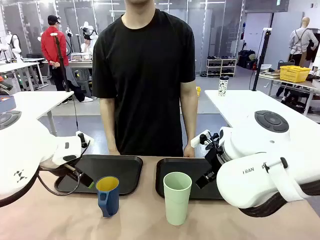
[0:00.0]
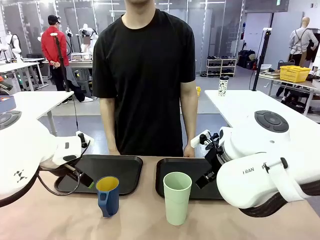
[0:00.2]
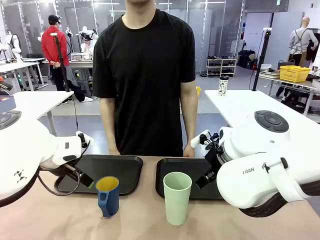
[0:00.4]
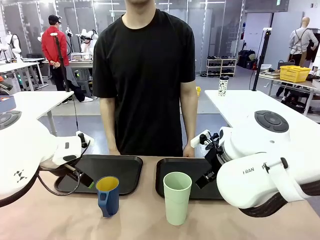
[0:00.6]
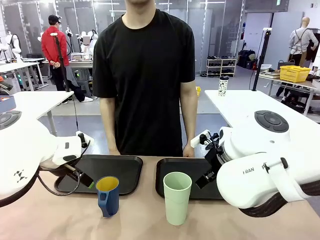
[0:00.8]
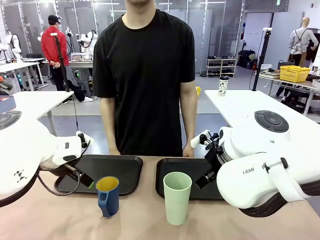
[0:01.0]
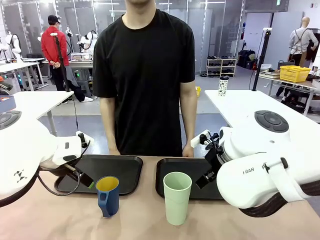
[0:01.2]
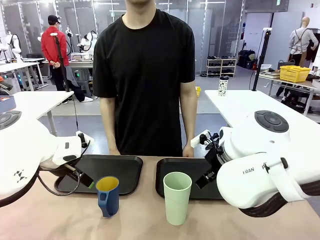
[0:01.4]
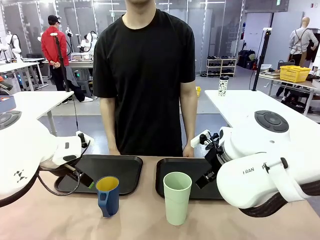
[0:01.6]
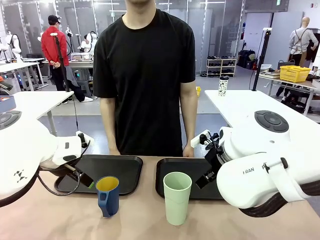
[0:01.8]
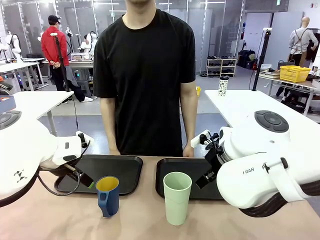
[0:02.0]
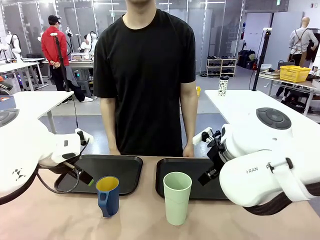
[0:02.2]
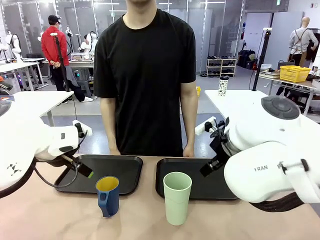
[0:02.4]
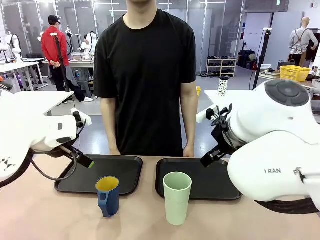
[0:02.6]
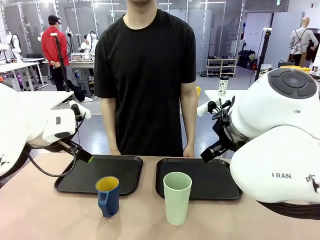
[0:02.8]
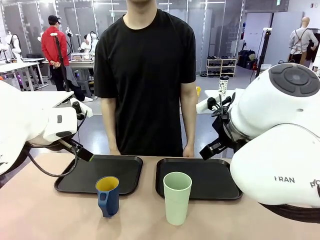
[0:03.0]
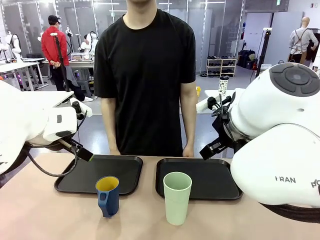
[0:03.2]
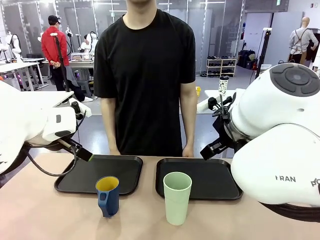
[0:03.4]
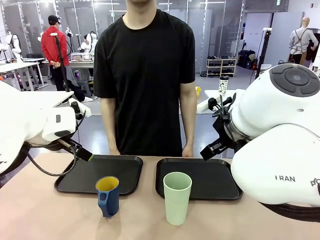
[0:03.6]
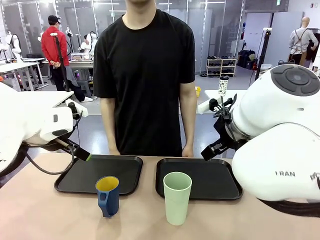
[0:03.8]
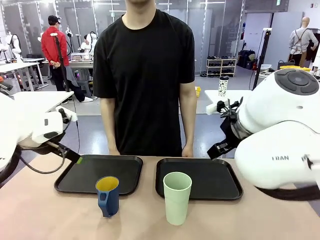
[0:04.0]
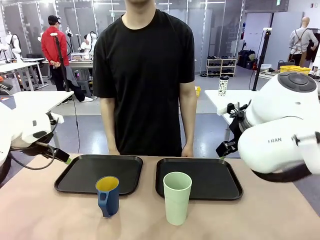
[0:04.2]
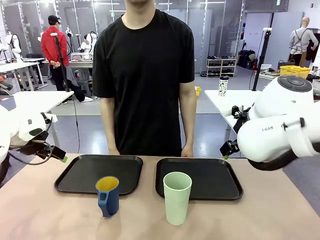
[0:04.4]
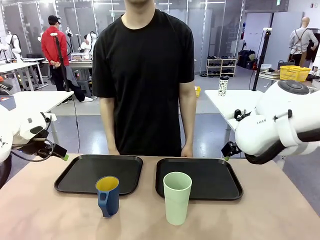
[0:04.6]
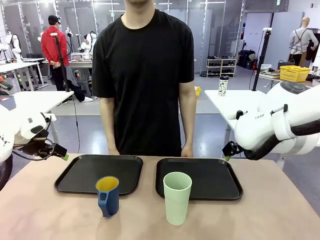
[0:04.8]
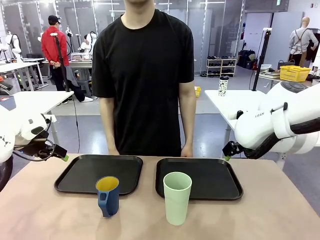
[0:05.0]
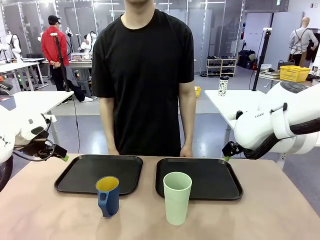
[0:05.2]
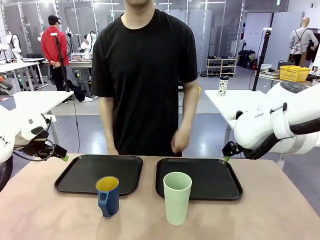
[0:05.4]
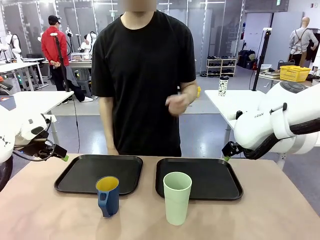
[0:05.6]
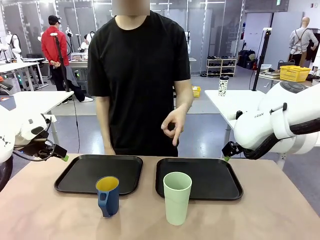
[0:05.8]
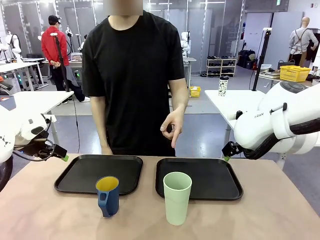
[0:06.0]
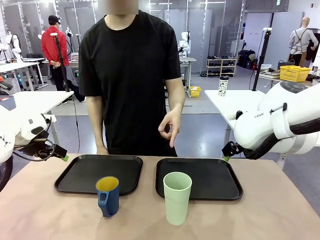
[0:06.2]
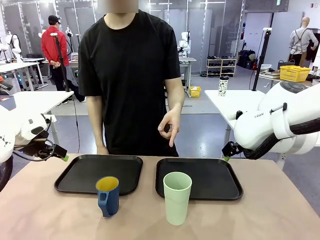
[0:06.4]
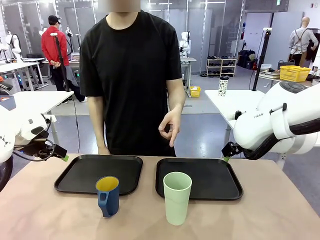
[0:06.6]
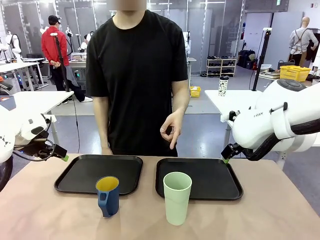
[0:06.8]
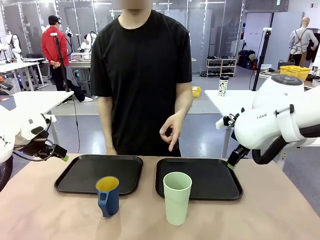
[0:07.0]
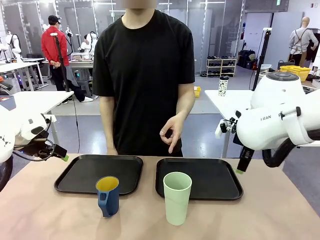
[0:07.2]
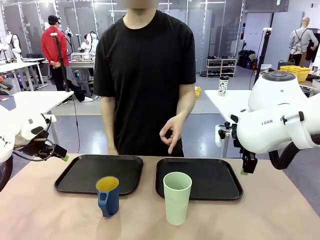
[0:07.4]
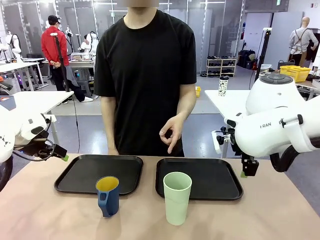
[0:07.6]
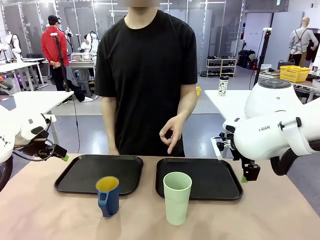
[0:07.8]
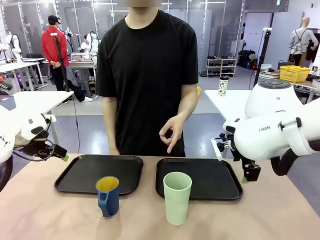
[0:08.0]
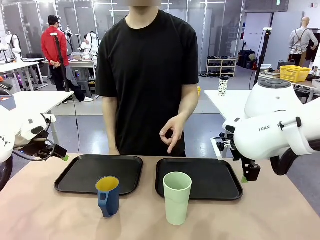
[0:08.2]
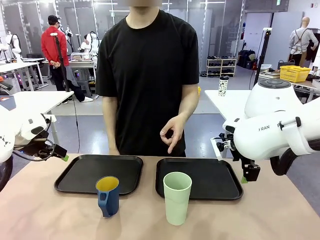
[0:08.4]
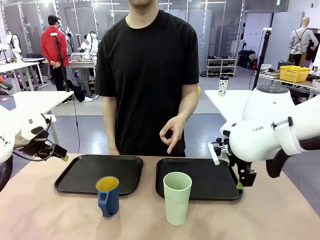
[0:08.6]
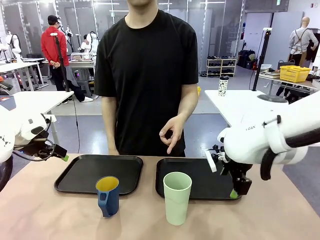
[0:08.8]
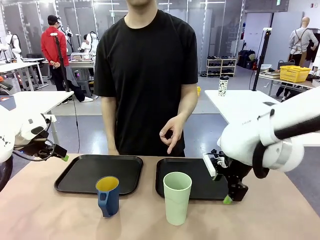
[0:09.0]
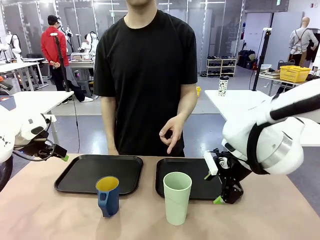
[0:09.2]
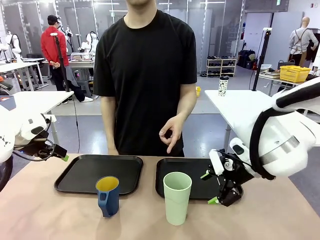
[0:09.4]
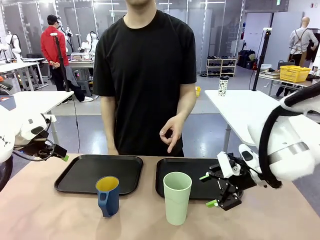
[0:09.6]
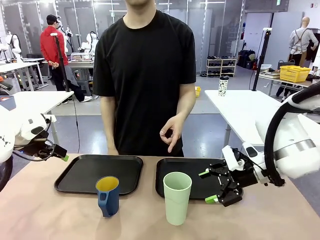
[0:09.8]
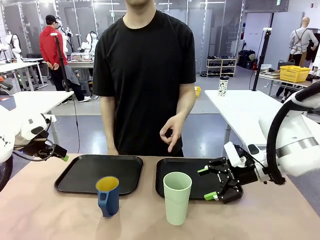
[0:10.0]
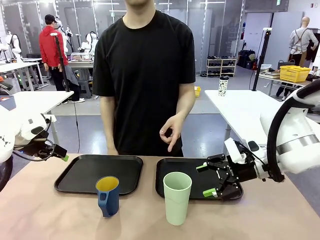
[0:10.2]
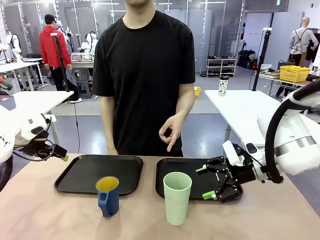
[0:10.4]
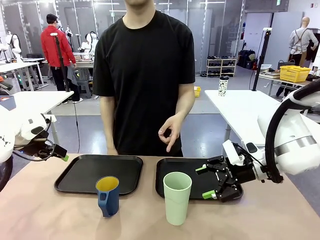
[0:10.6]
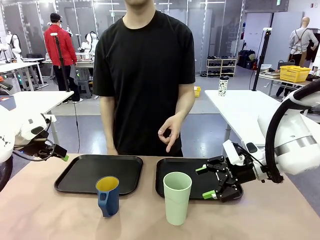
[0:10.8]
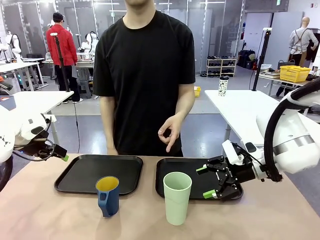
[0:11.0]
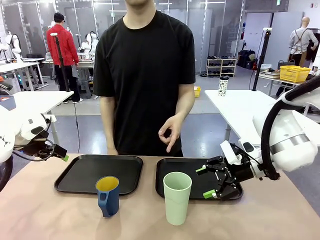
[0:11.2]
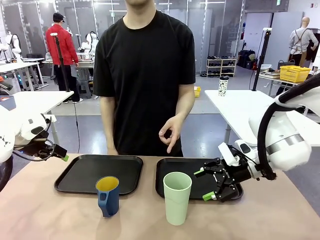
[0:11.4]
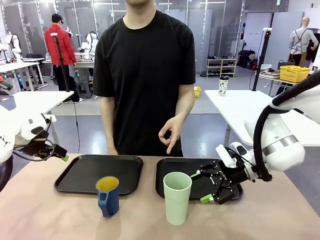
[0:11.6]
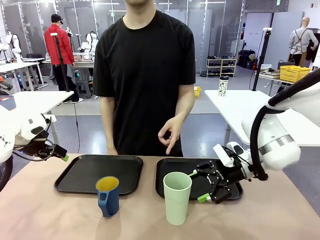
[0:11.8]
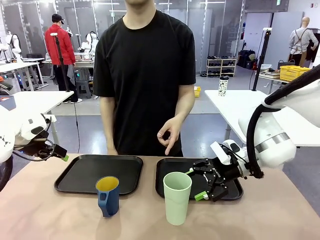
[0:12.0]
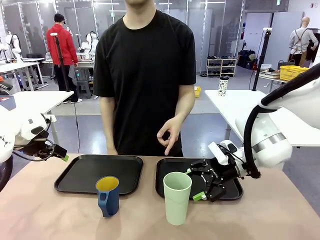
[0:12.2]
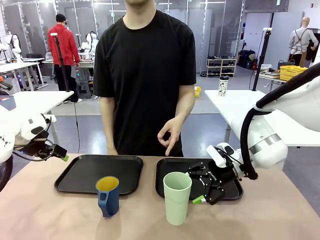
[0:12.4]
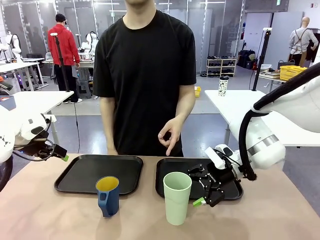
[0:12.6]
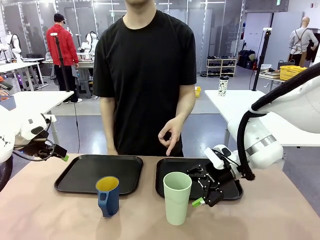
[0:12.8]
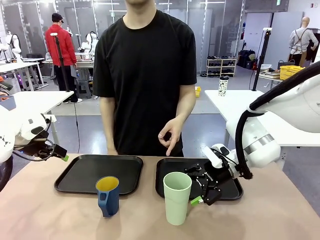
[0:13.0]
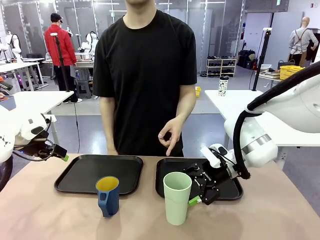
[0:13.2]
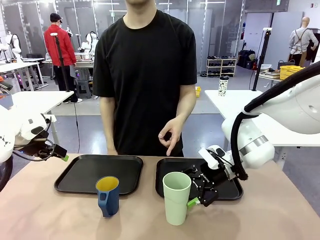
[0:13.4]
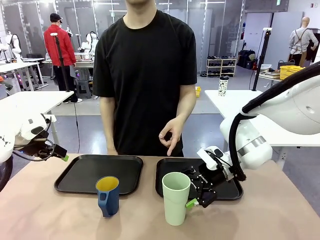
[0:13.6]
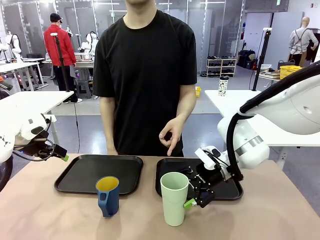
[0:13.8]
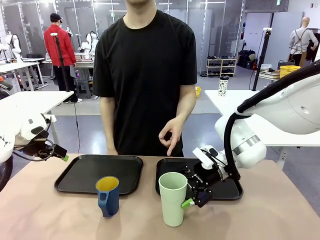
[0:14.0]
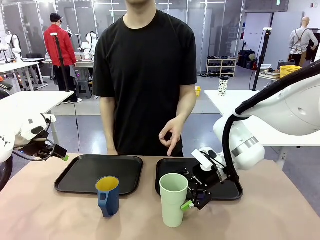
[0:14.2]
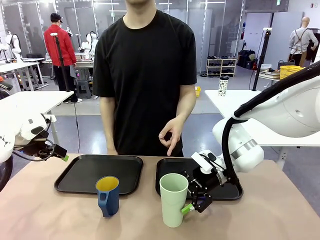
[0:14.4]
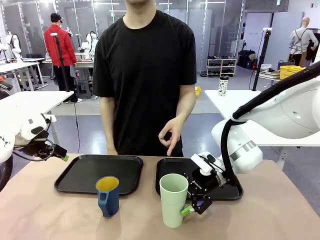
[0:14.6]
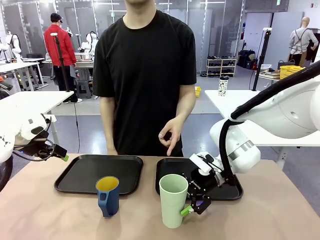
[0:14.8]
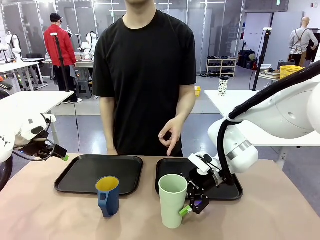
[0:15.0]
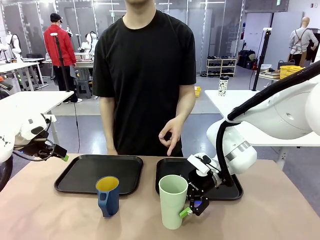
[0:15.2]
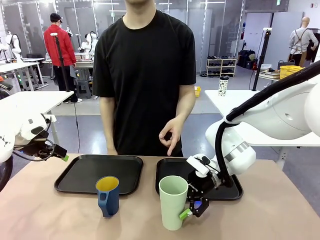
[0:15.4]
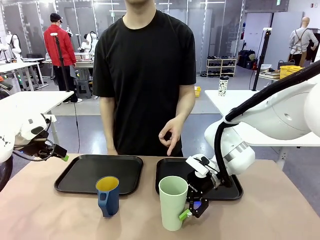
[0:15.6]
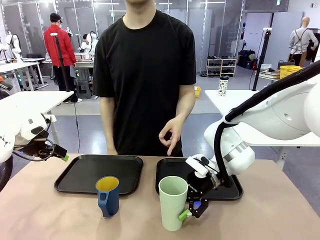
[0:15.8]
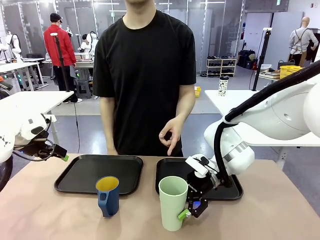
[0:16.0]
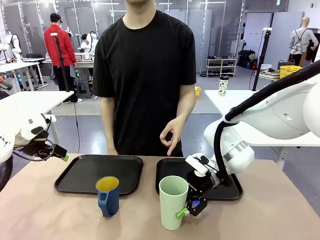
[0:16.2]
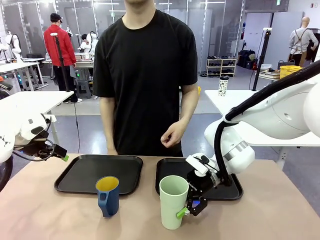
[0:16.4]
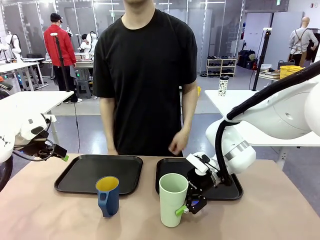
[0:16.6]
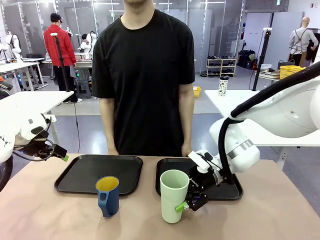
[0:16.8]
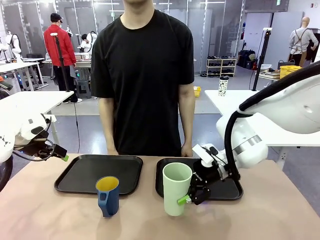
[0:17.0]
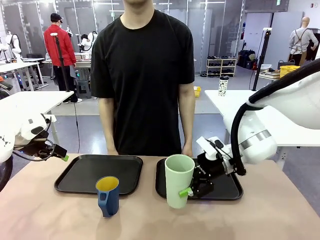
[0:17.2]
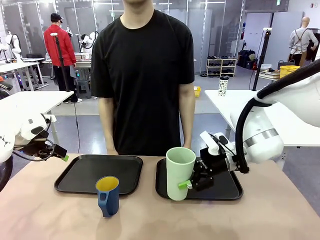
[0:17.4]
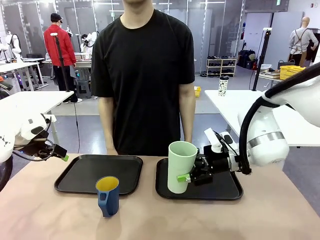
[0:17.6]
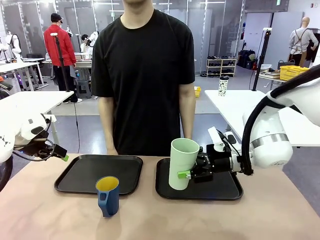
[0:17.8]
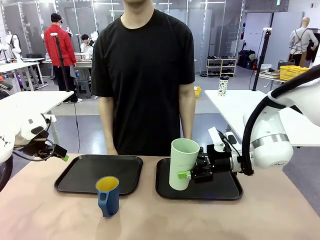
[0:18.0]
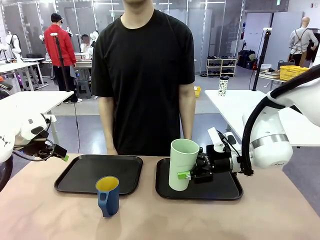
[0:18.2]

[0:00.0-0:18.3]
Task: Sort and store the cups by type.
Robot: Pick up the Reusable plastic cup.
Person: Points to the reusable cup. Point to one of the two trays.
